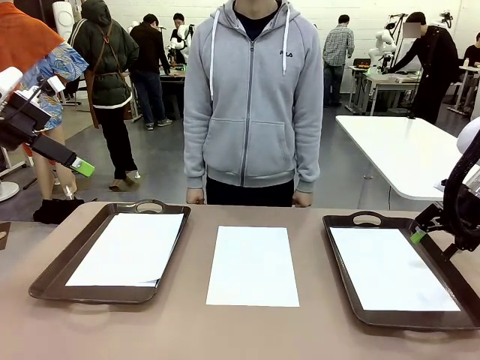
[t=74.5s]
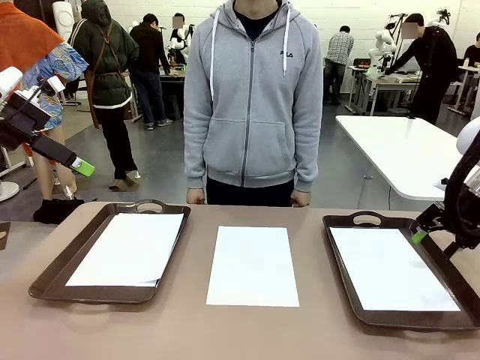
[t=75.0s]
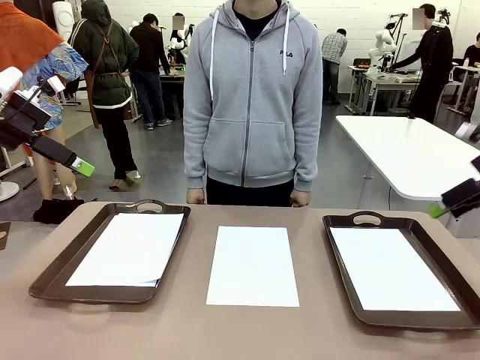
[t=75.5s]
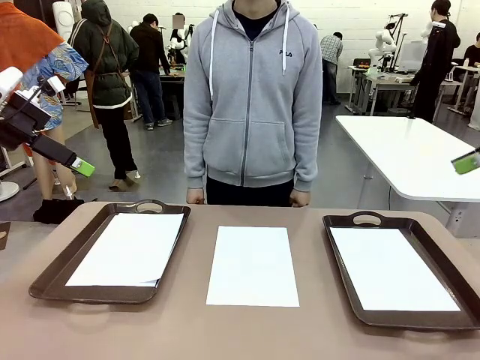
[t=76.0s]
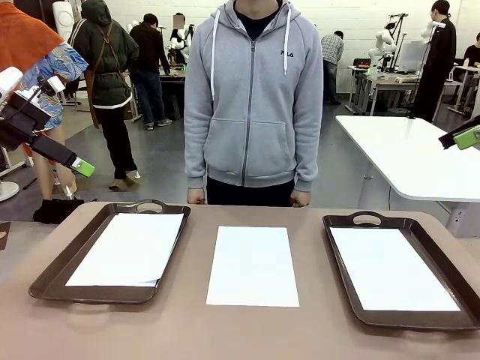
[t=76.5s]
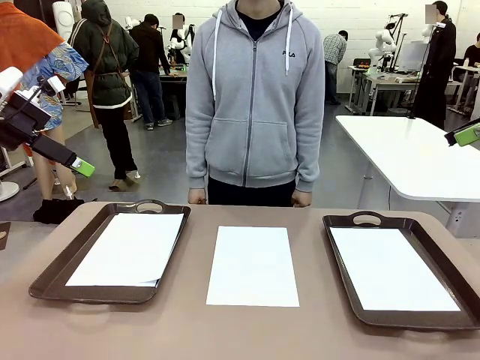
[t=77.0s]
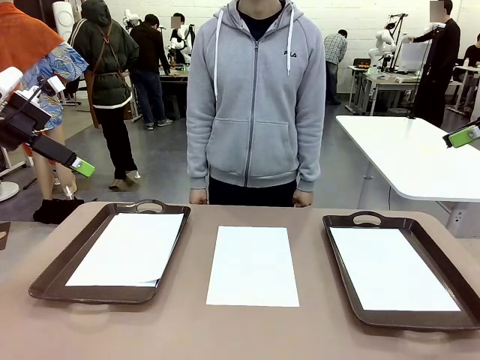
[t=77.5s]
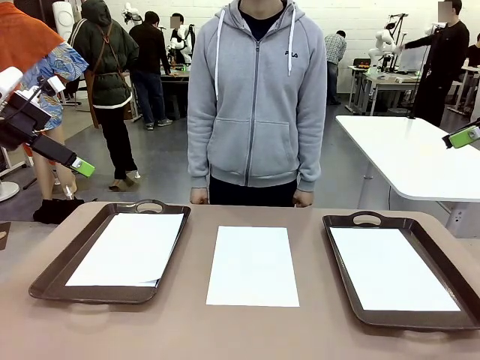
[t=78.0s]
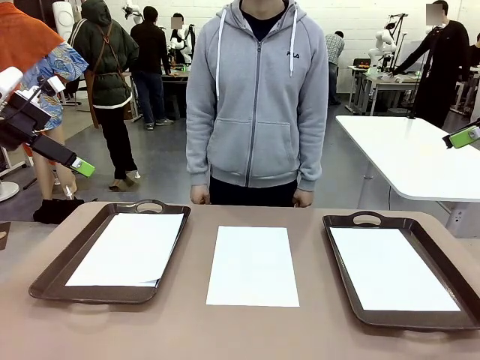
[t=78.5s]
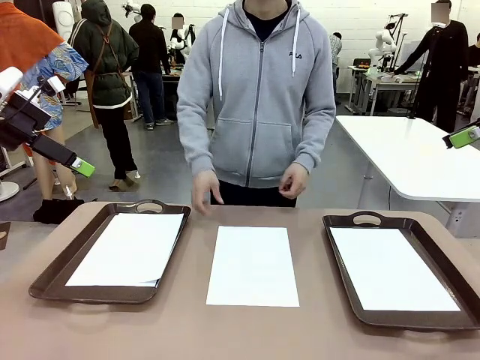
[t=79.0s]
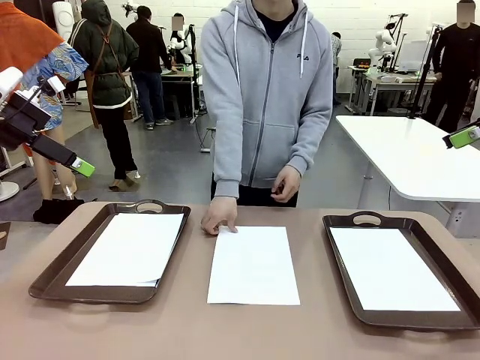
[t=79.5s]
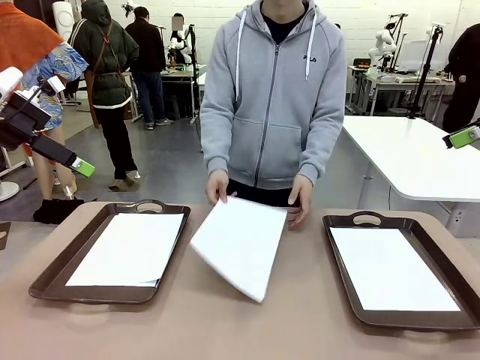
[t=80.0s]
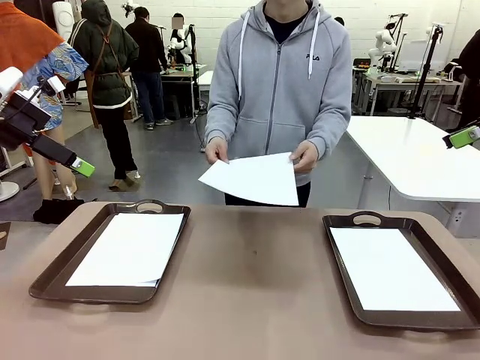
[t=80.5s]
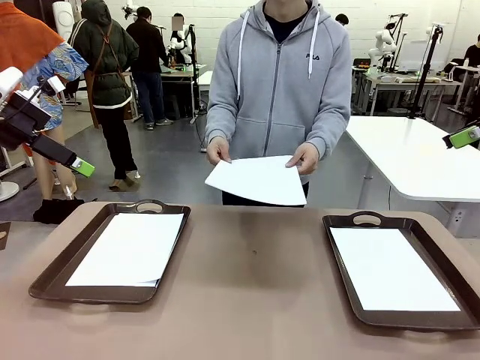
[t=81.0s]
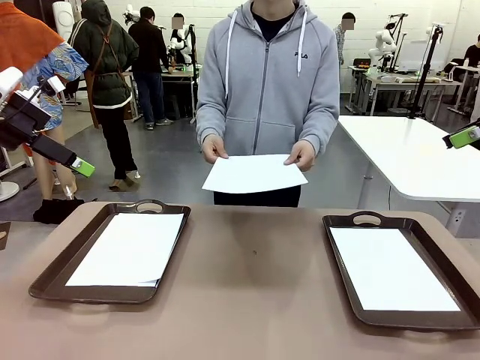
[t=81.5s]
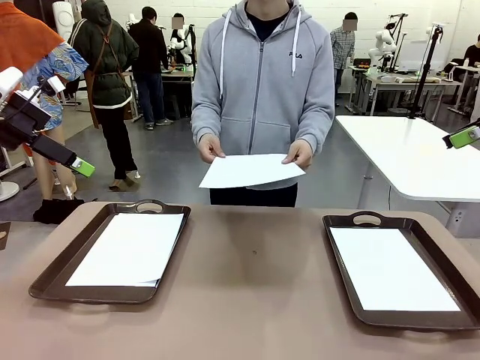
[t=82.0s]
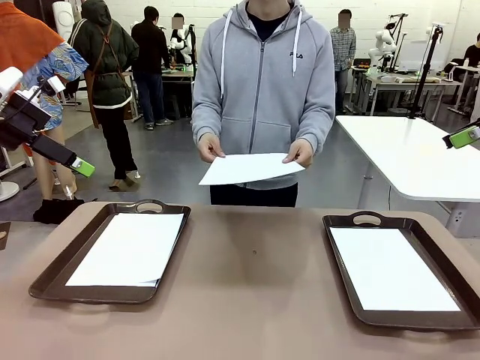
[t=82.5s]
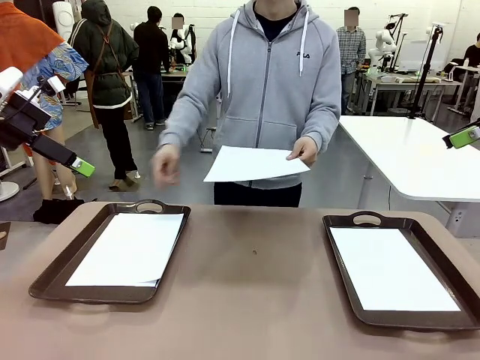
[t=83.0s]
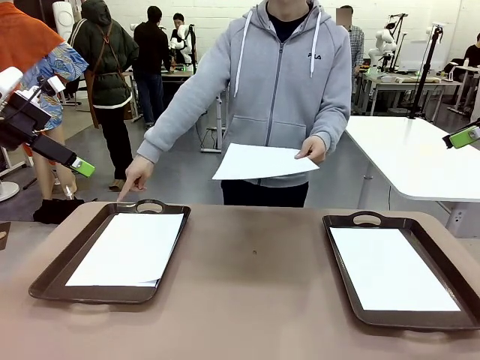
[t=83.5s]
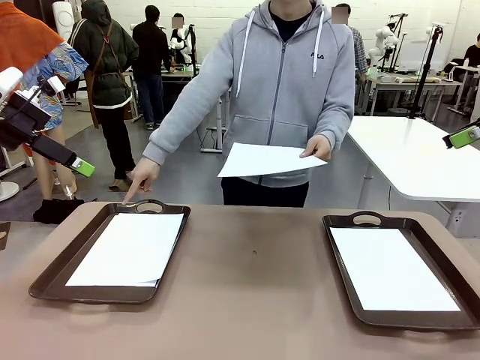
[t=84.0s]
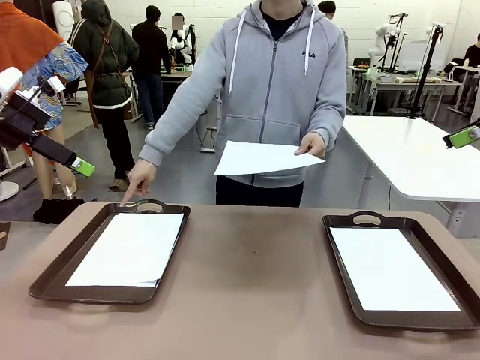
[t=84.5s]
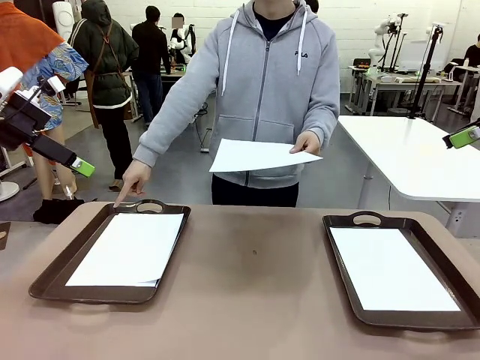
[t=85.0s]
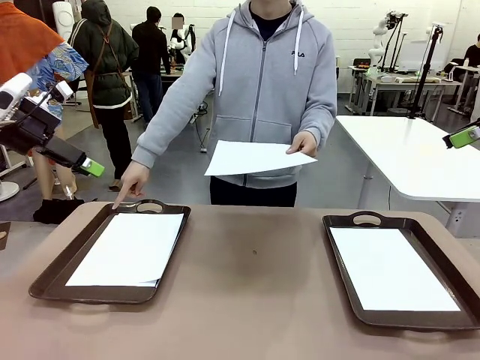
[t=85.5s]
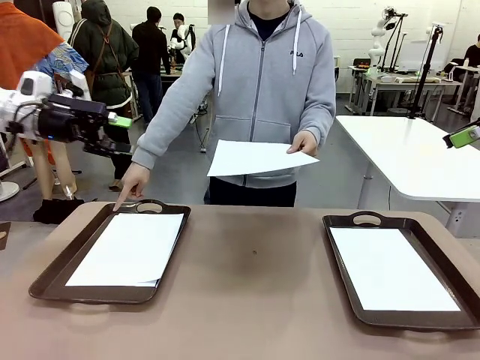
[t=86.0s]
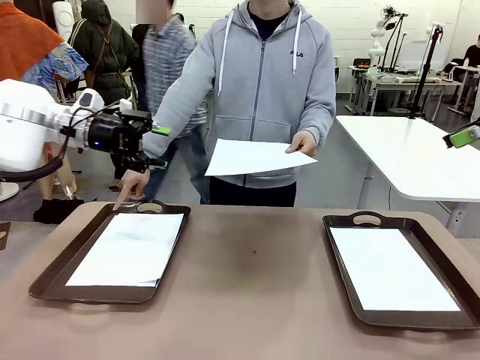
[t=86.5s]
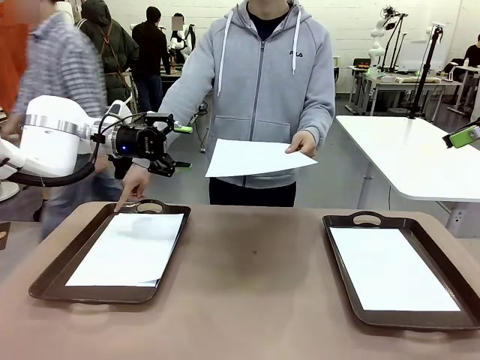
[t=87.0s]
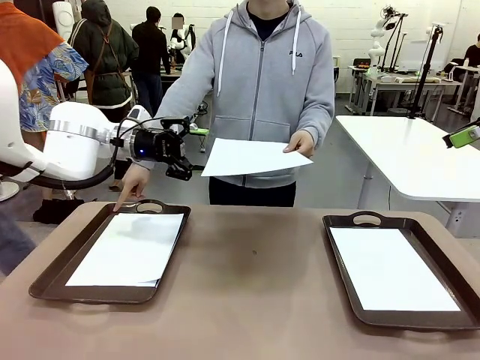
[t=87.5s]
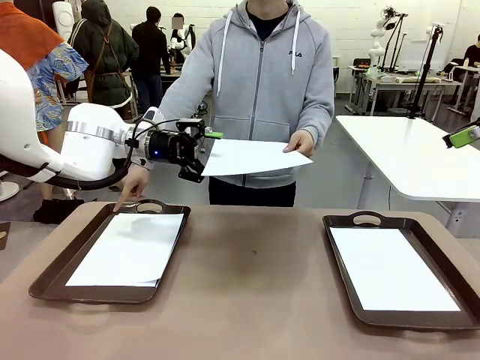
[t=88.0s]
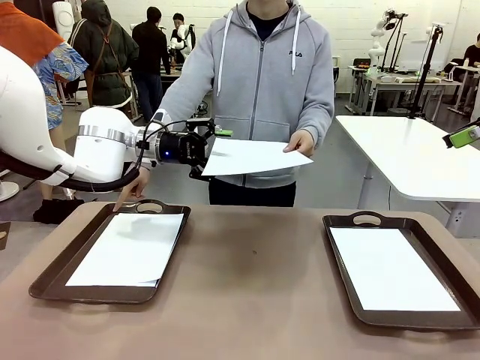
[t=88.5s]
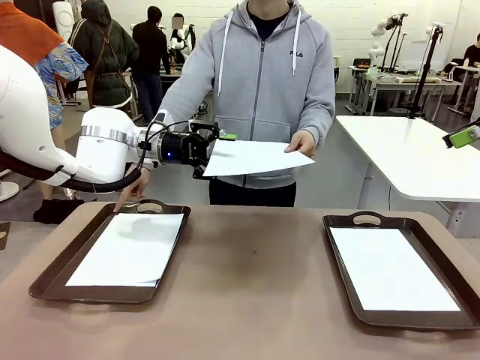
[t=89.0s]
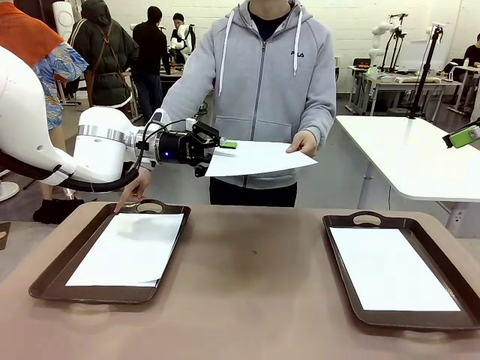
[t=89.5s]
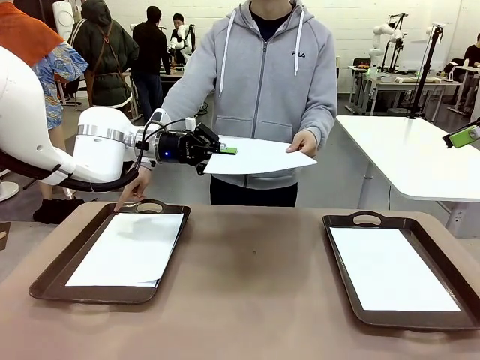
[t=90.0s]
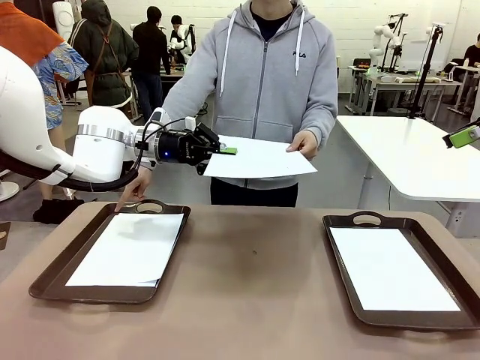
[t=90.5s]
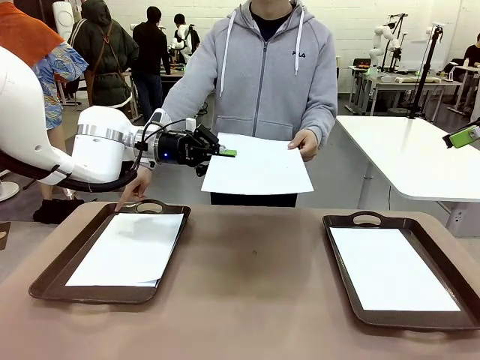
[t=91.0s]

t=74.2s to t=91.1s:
Task: Sort the A4 documents.
Robot: Receive the A4 Paper.
Person: Point the randomly selected tray with the other hand.

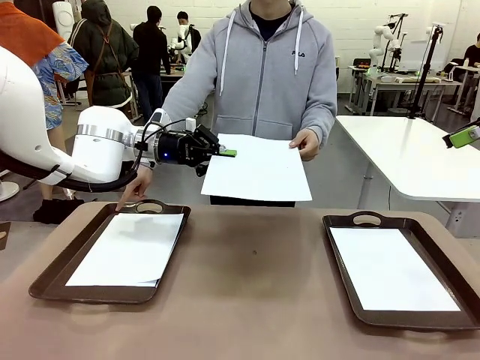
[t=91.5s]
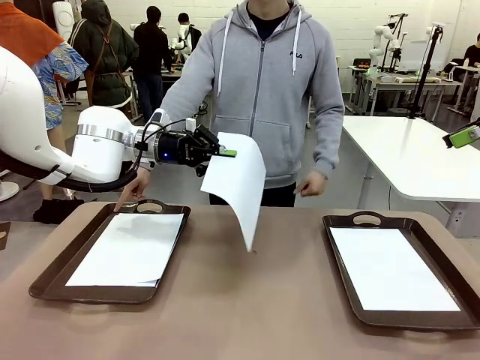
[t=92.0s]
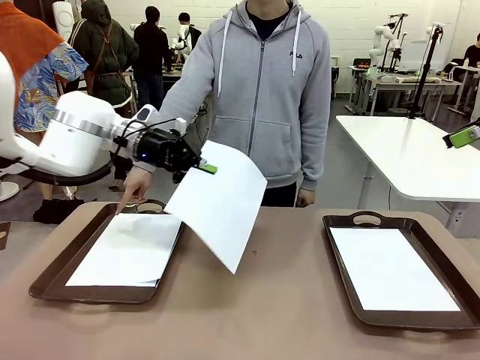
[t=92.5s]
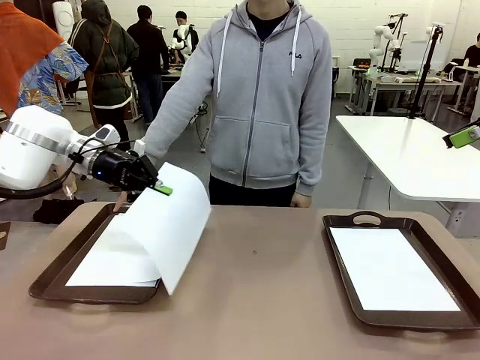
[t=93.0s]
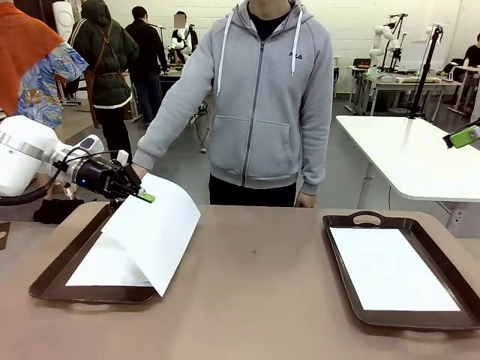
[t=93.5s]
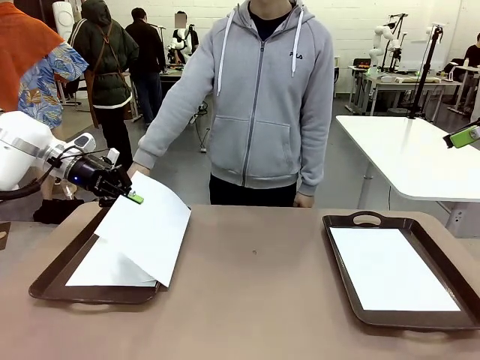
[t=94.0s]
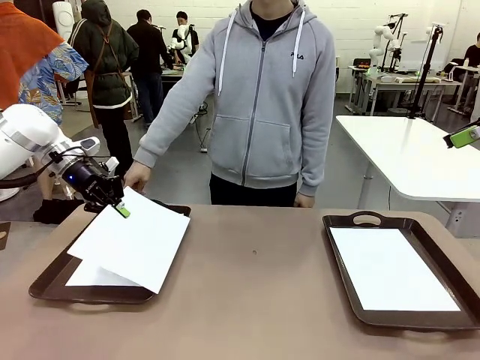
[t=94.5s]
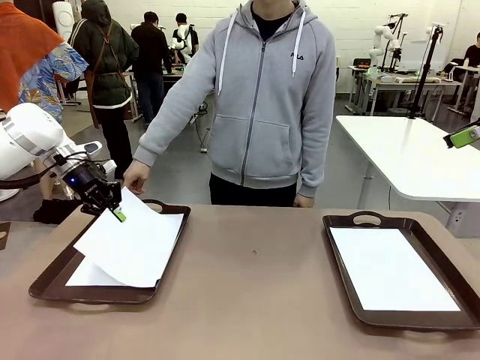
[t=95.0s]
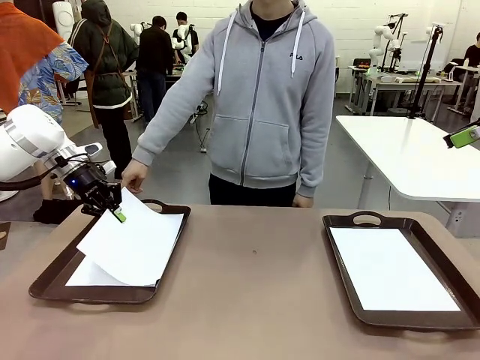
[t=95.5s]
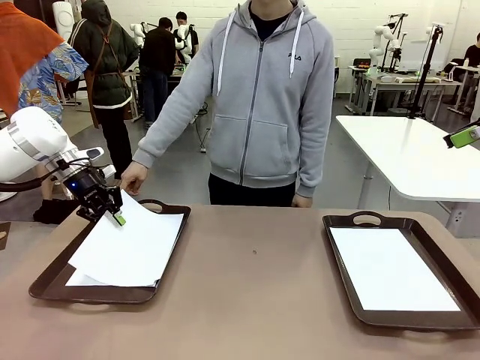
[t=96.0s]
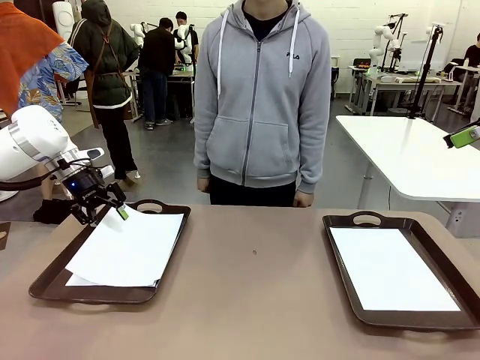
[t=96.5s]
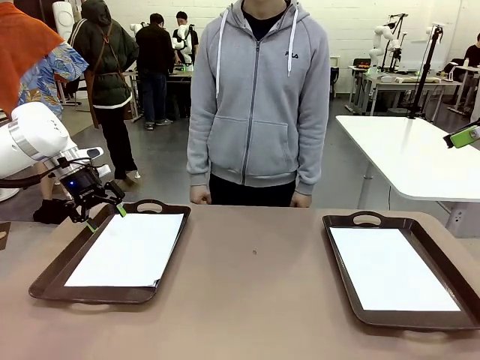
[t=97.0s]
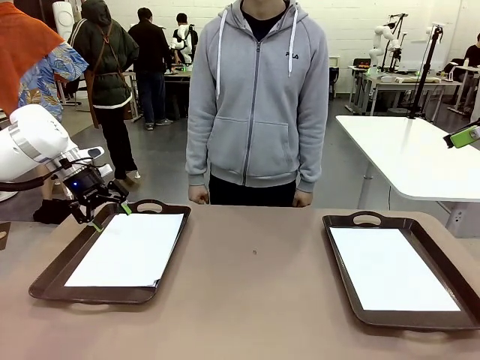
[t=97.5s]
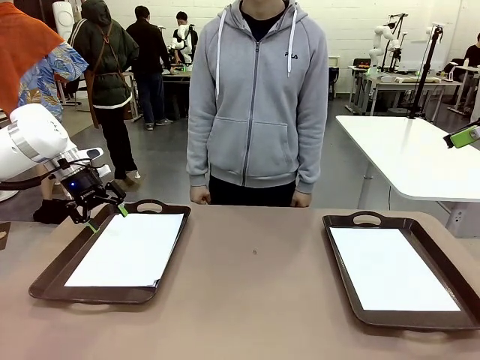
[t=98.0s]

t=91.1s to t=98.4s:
Robot: Place the A4 Paper in the designated Handle tray.
